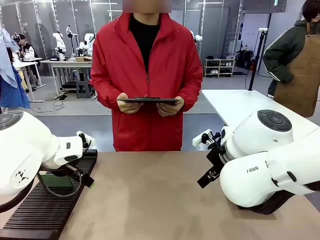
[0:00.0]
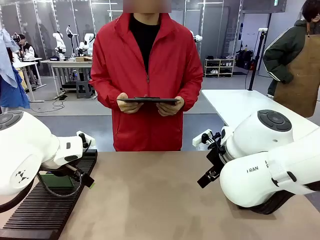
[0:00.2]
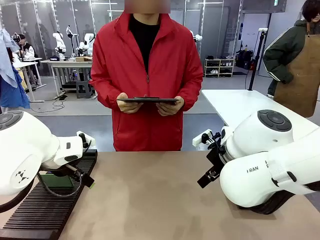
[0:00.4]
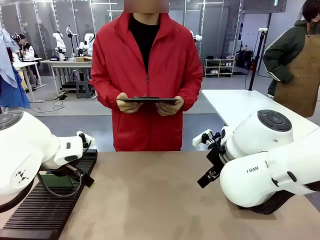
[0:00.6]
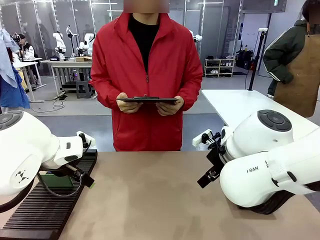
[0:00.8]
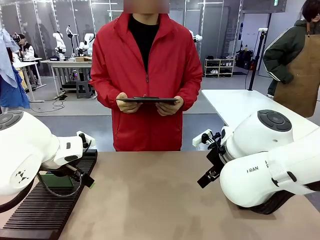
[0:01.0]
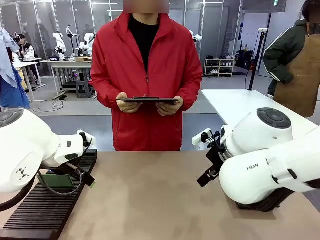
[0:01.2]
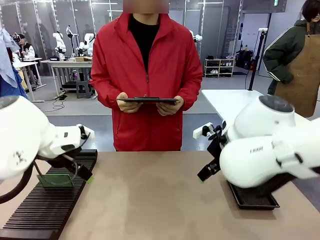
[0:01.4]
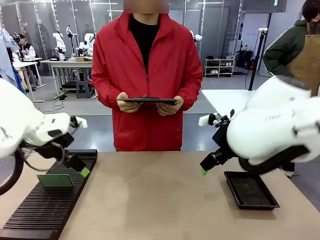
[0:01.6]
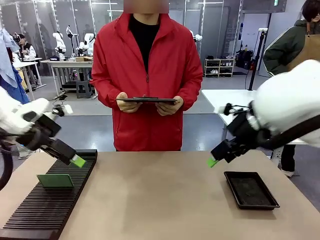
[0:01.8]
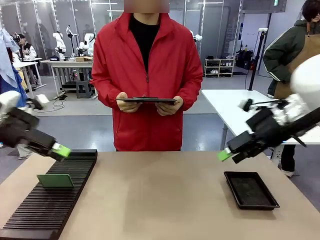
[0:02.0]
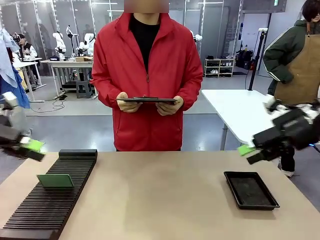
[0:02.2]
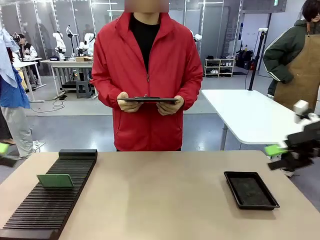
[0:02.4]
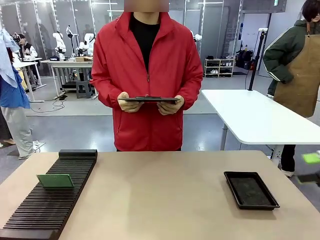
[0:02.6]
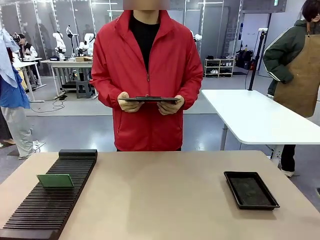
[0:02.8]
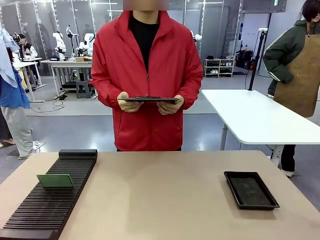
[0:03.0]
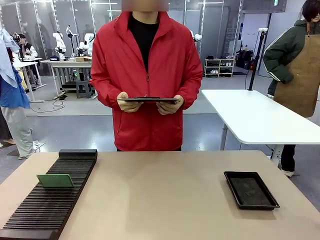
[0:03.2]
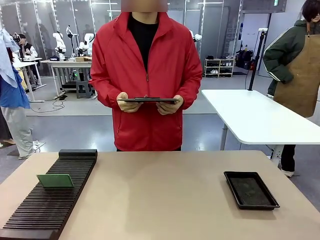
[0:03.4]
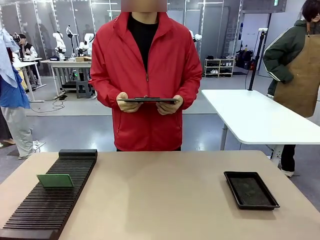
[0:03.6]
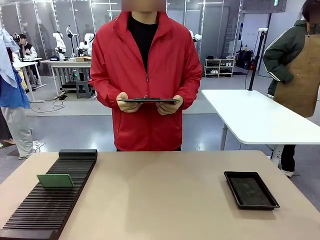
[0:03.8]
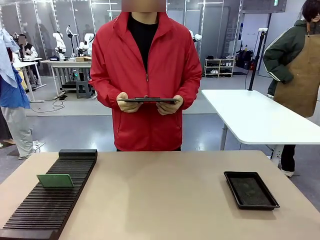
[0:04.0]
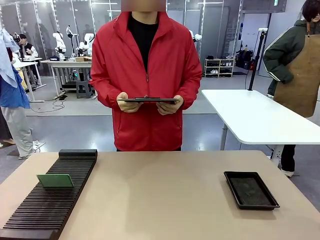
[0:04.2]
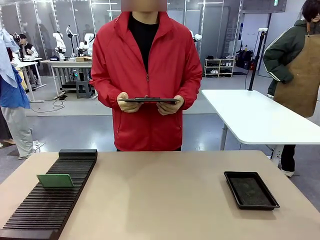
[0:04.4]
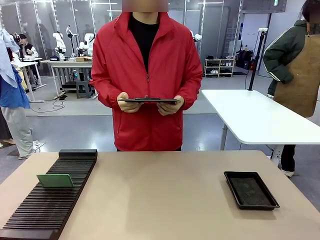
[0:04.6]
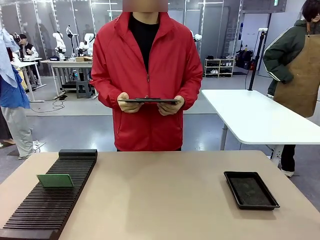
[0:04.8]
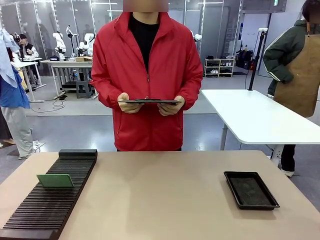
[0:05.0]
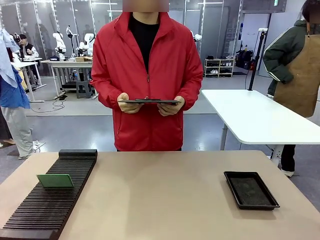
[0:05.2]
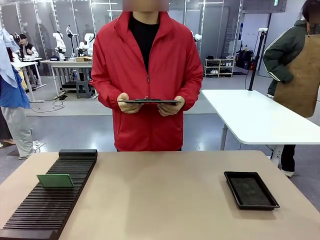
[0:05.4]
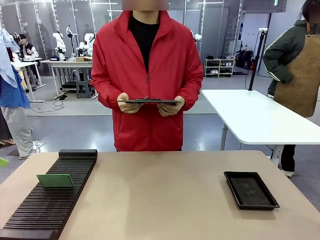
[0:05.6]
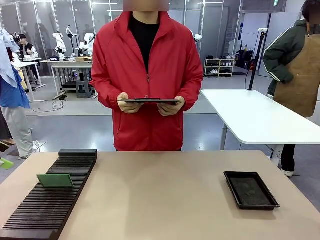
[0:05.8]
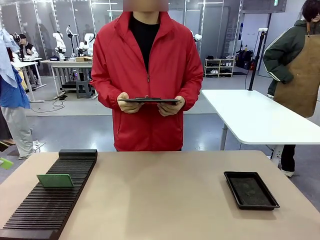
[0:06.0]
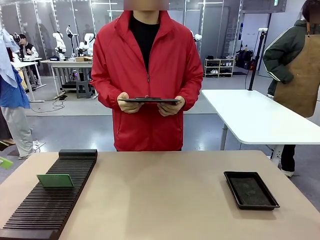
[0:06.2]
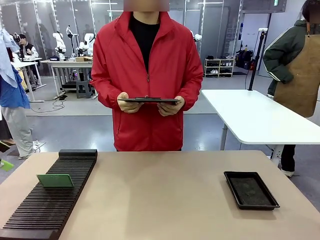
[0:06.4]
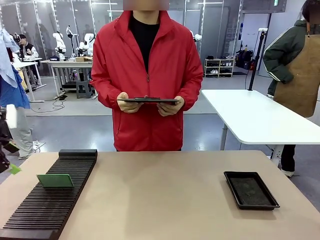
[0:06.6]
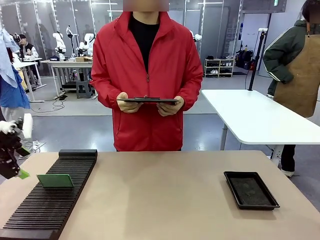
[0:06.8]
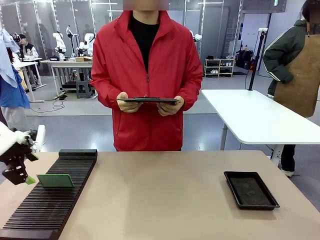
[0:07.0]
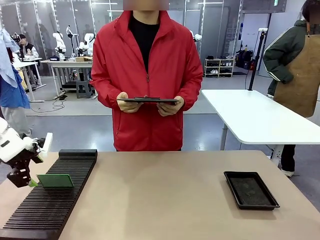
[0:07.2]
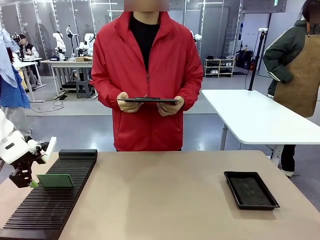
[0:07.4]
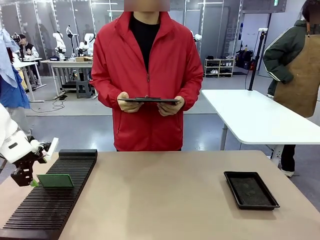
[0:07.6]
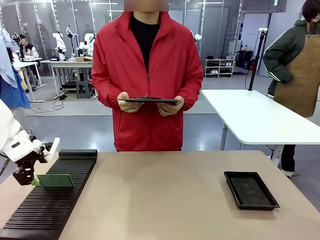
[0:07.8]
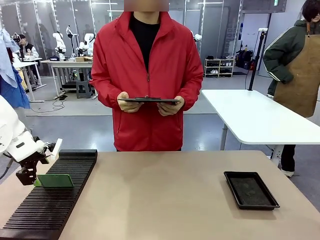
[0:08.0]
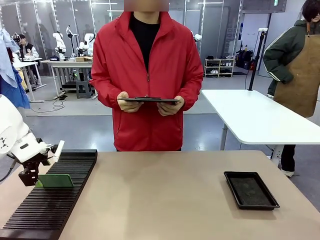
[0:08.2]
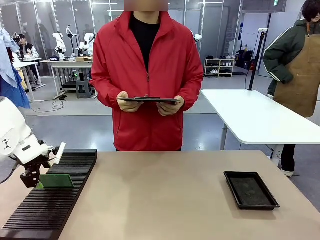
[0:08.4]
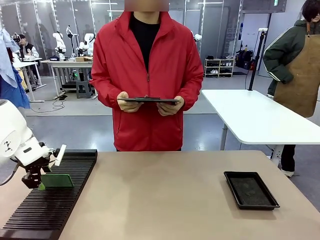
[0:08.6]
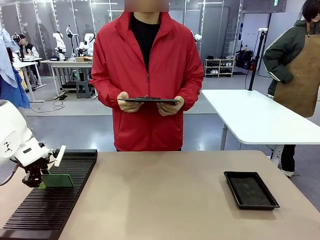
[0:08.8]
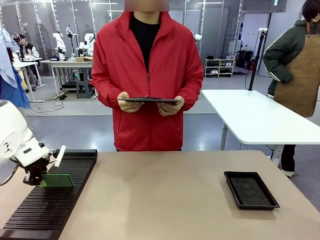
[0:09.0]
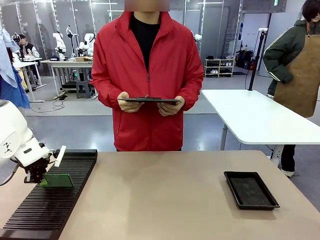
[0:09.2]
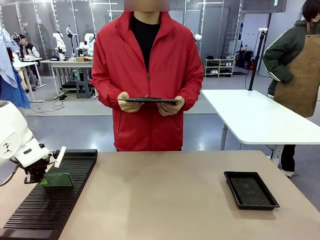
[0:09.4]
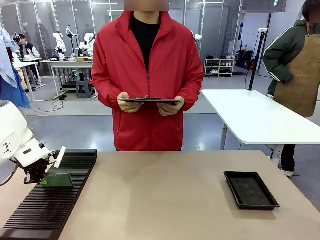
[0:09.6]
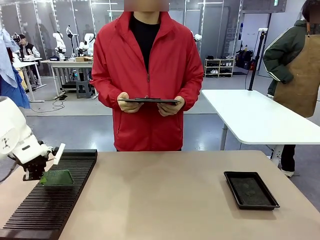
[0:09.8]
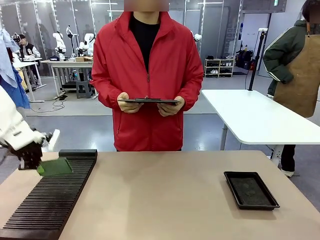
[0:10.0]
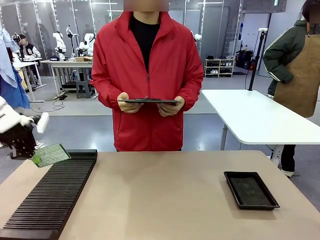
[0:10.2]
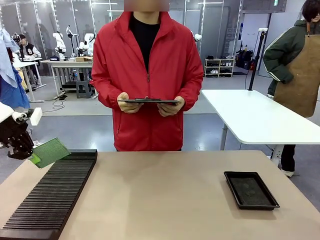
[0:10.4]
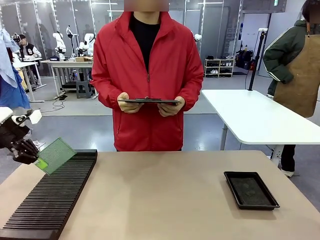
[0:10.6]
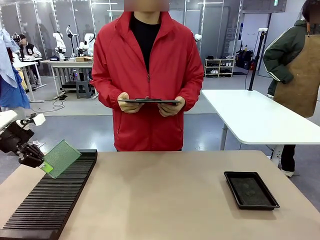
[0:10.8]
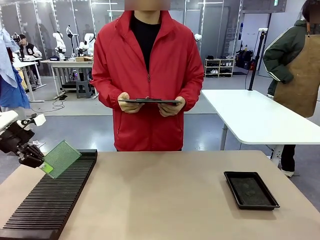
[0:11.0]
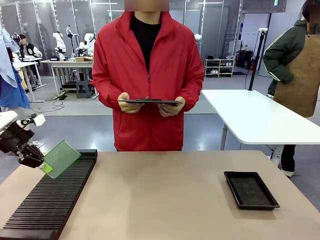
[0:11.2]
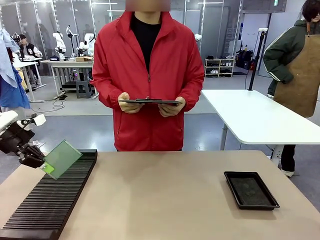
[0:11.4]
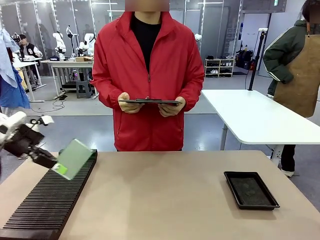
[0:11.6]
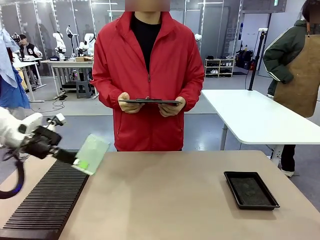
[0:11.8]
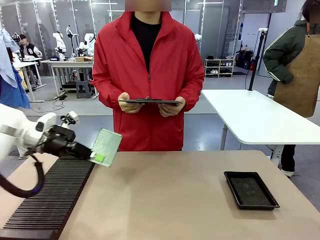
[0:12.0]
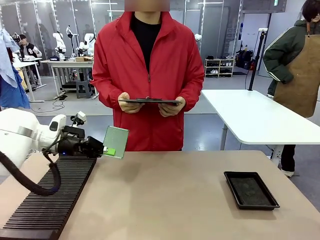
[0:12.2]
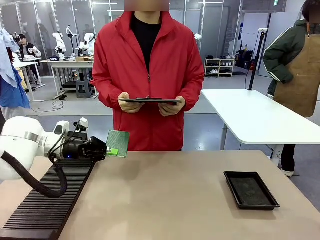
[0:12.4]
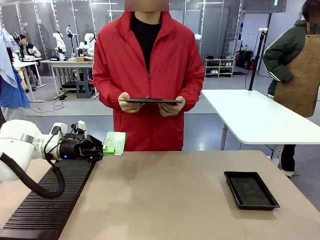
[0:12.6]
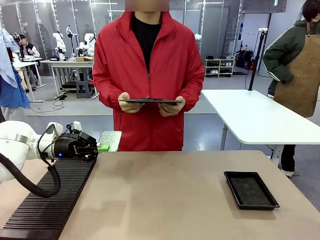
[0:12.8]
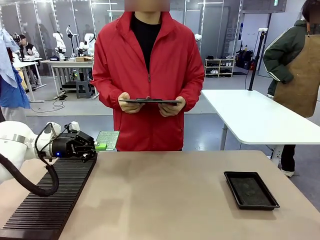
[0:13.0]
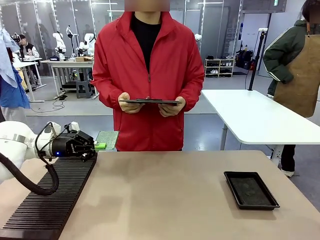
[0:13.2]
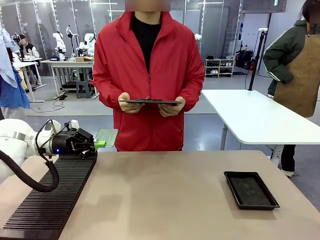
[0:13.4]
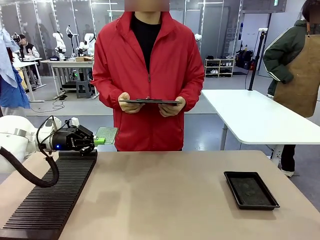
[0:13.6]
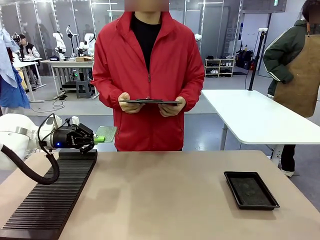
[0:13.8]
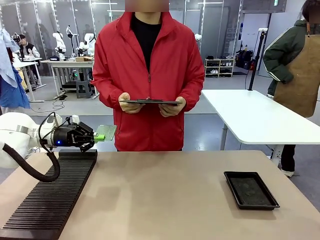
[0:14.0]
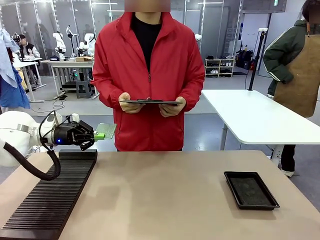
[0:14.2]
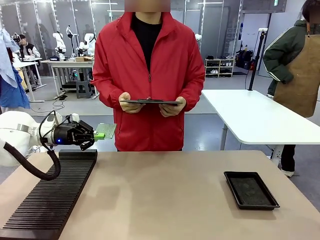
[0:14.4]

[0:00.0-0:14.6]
Task: Inspect the PCB.
Robot: Pick up the Blank PCB and present it to the human.
Person: Pick up the PCB presented by the robot.

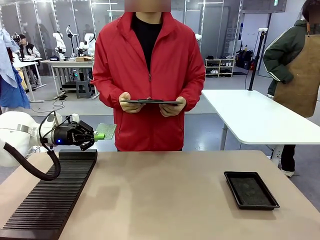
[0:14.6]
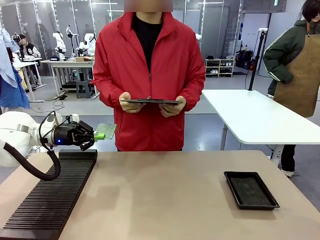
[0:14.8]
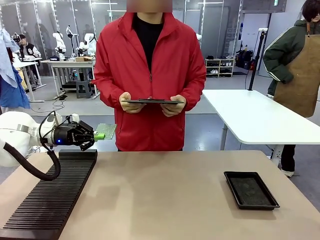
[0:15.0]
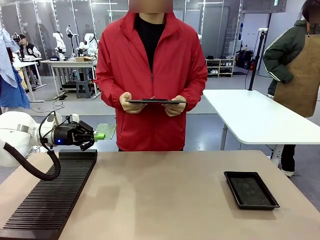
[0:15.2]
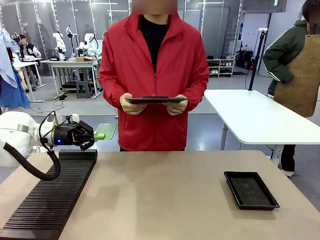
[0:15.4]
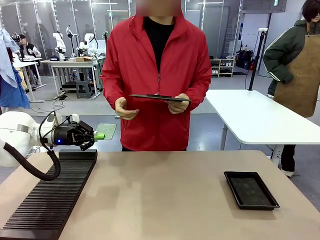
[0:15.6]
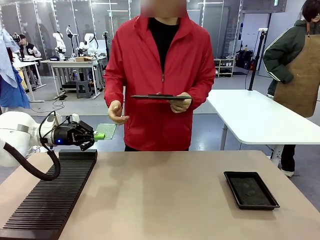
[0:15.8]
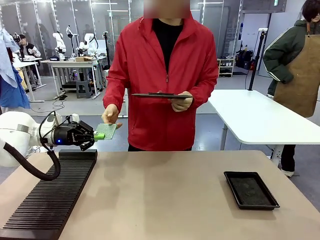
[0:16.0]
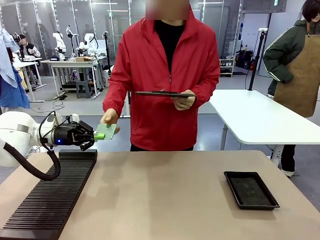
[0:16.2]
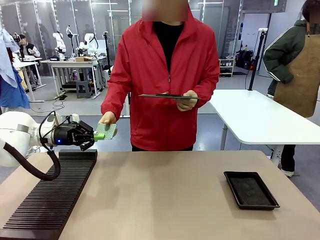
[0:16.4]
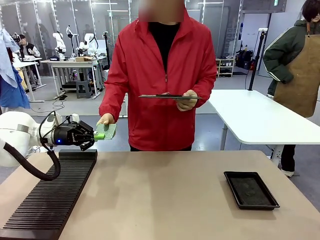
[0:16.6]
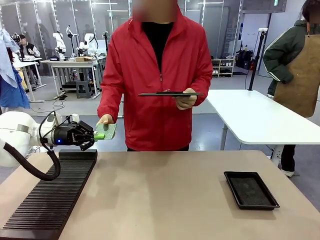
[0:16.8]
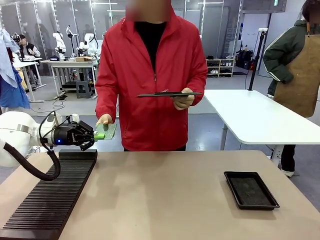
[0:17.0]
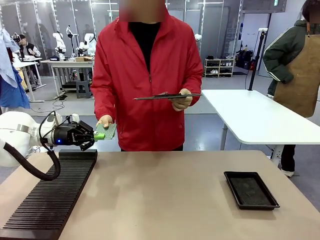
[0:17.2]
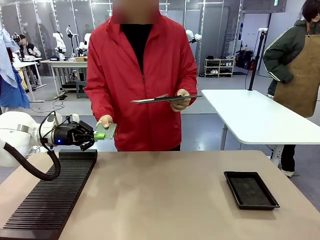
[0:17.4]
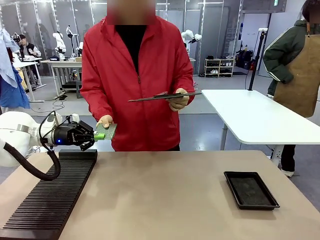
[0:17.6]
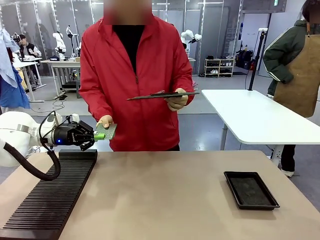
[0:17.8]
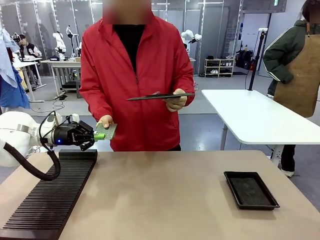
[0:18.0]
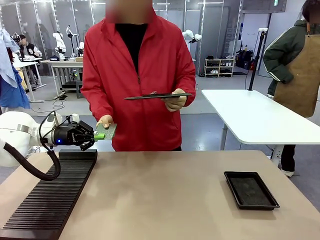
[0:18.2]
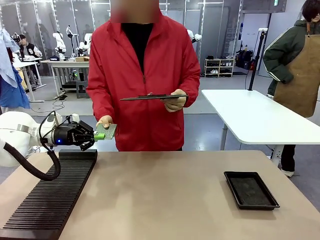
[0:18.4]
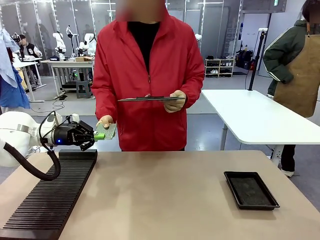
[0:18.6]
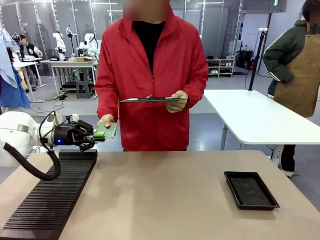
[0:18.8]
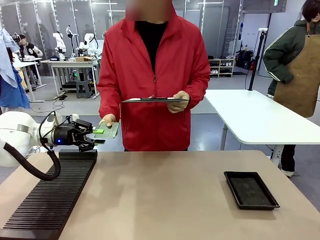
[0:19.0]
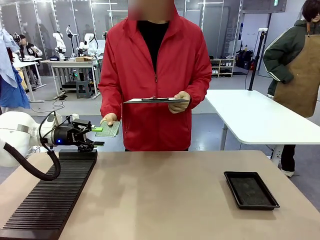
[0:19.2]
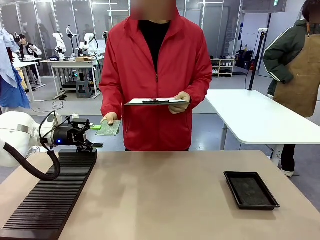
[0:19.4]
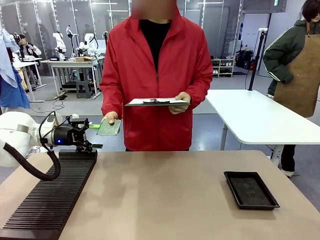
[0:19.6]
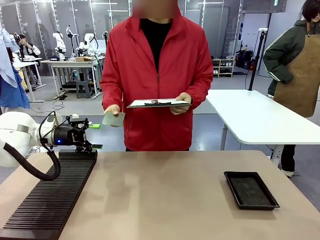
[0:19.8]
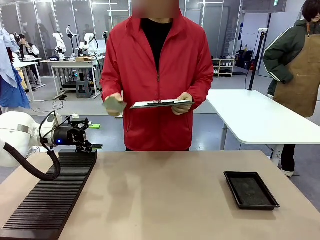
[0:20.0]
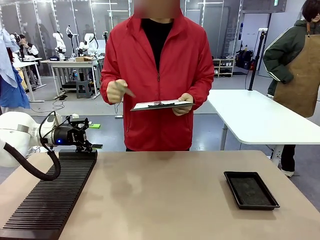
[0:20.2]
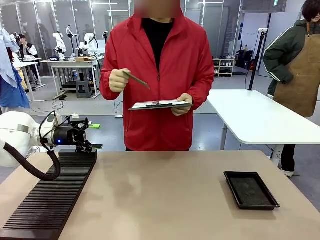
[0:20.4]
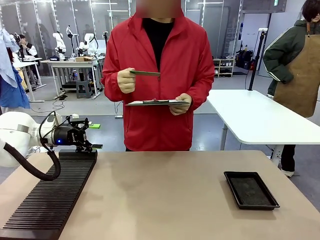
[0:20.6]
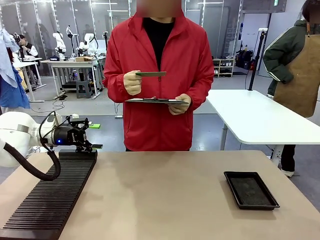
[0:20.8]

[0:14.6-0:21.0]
Robot: Release the Blank PCB you were holding.
